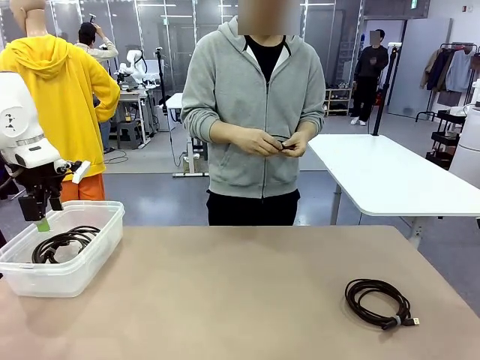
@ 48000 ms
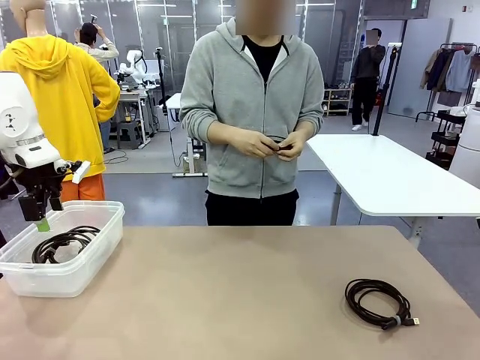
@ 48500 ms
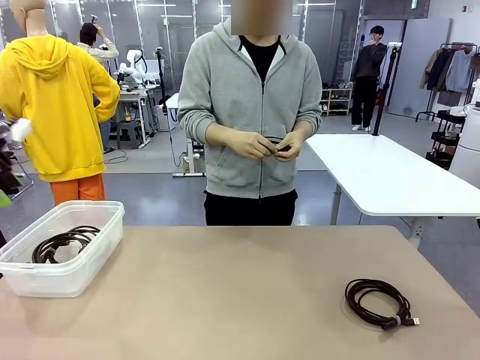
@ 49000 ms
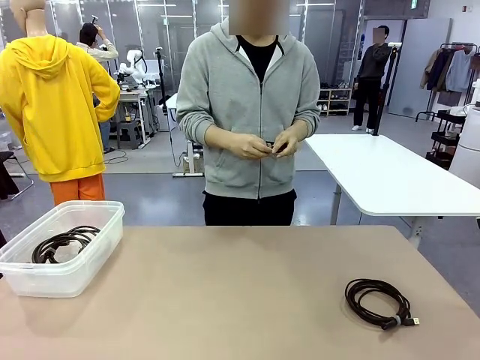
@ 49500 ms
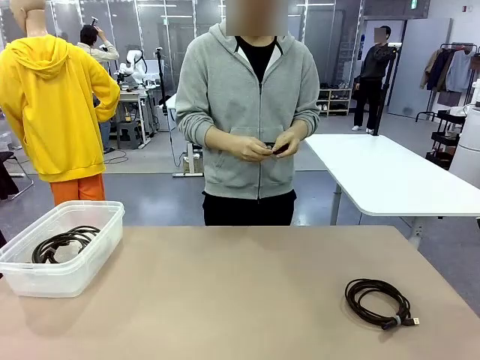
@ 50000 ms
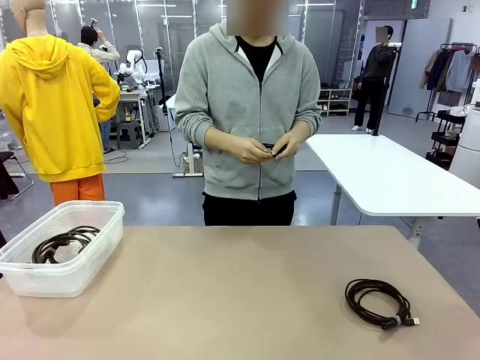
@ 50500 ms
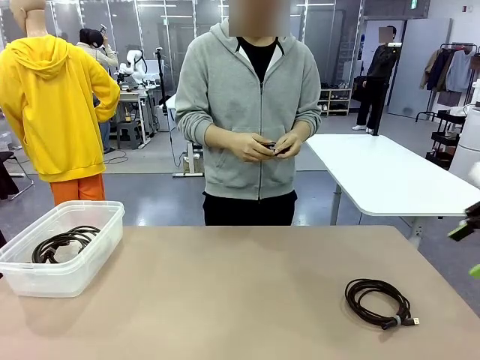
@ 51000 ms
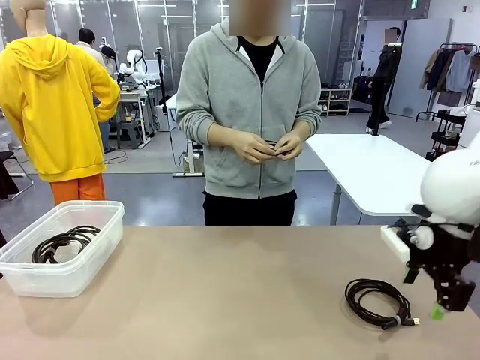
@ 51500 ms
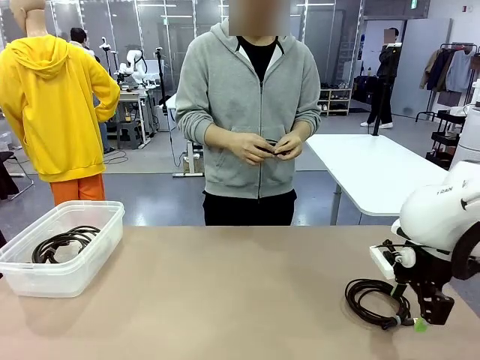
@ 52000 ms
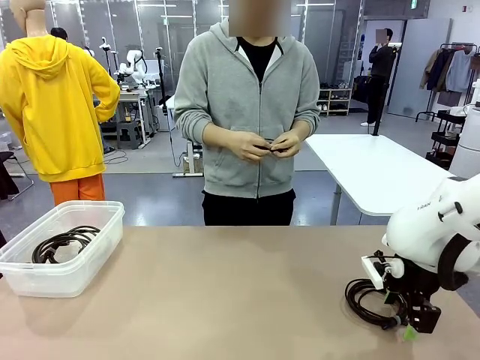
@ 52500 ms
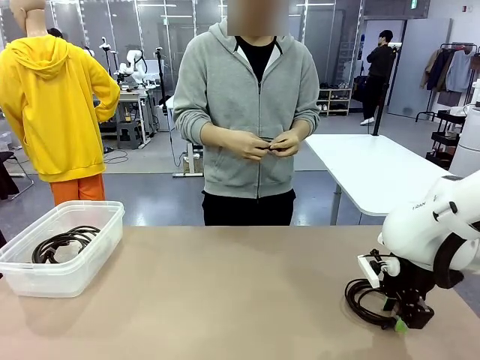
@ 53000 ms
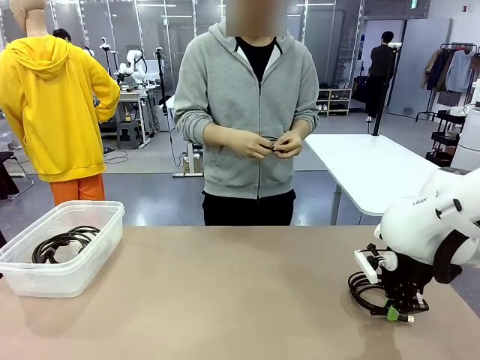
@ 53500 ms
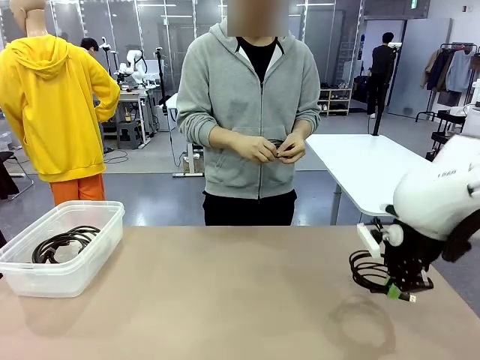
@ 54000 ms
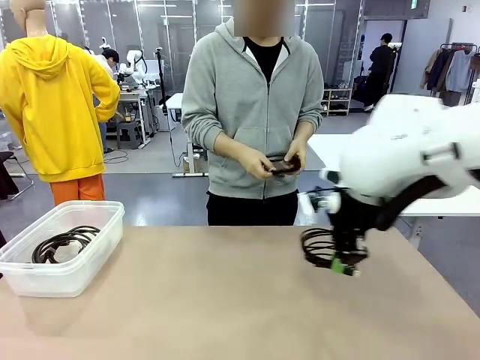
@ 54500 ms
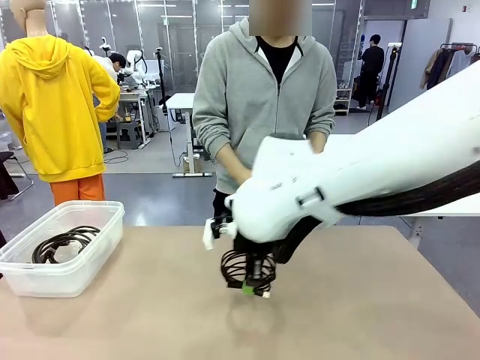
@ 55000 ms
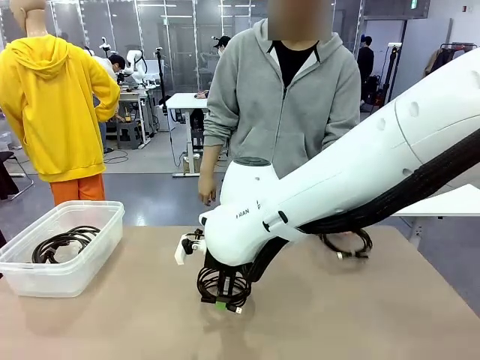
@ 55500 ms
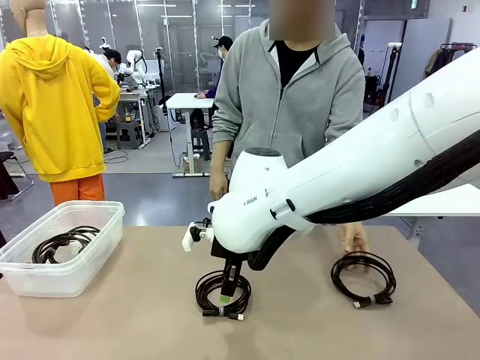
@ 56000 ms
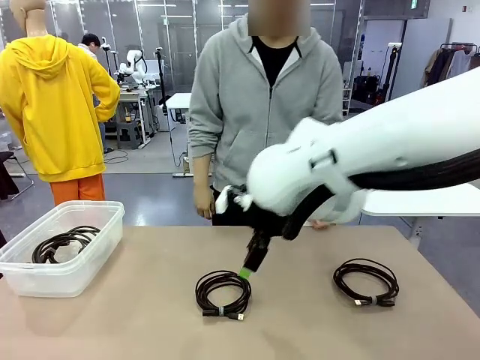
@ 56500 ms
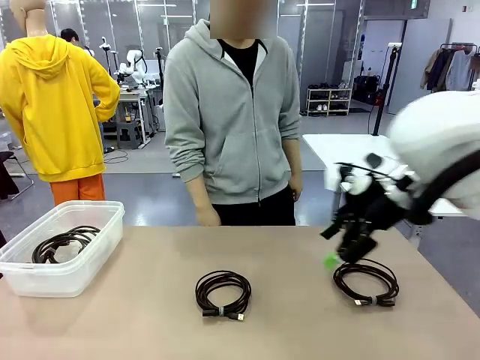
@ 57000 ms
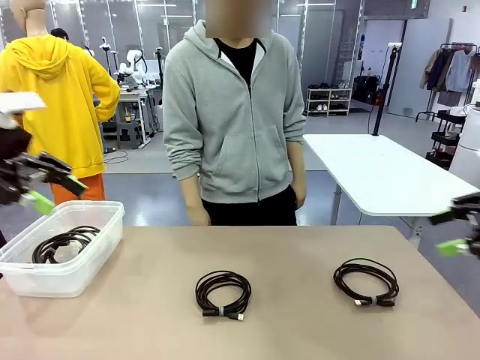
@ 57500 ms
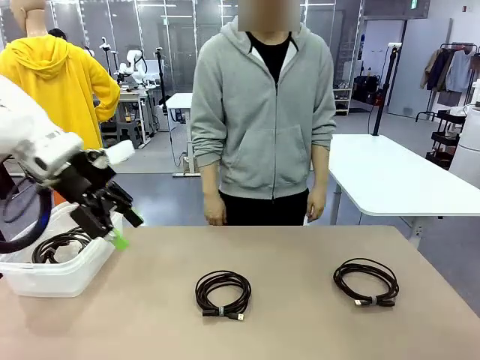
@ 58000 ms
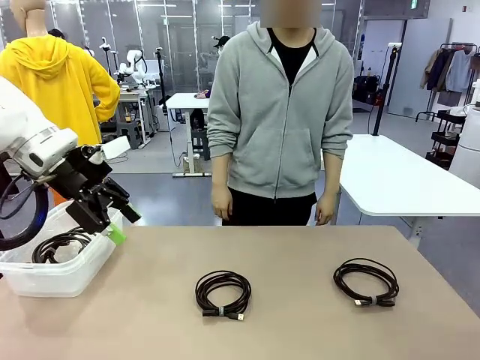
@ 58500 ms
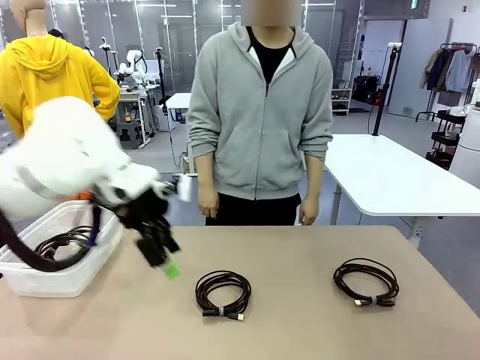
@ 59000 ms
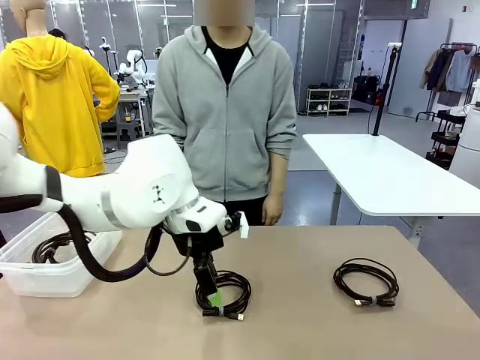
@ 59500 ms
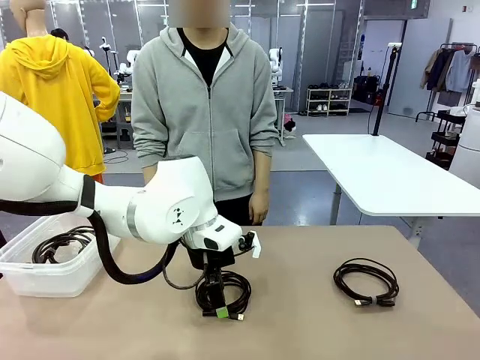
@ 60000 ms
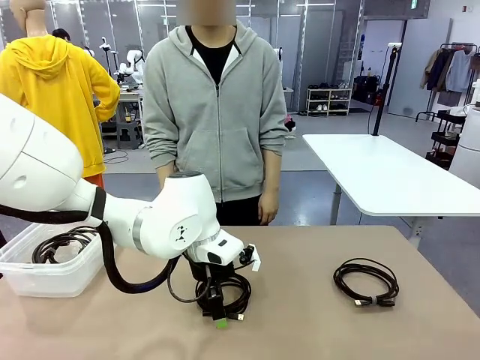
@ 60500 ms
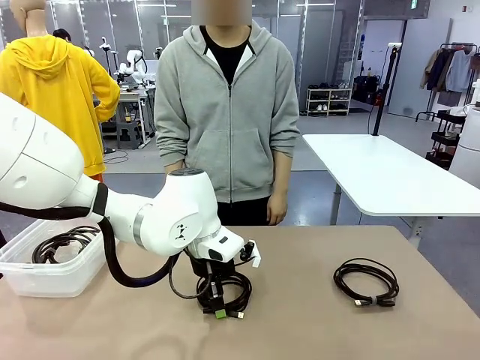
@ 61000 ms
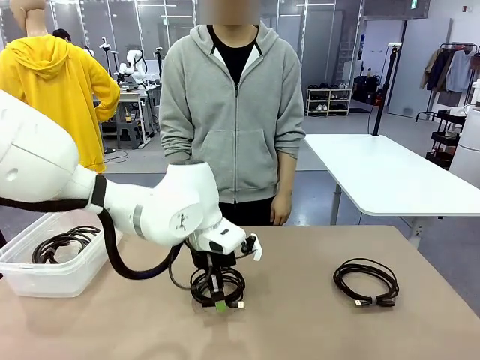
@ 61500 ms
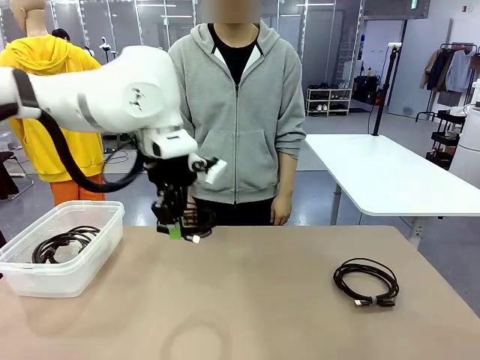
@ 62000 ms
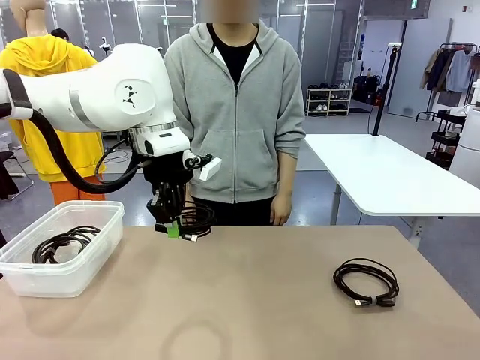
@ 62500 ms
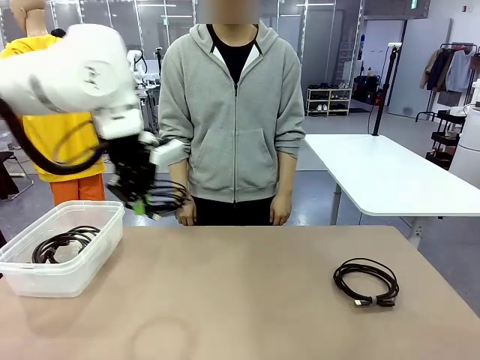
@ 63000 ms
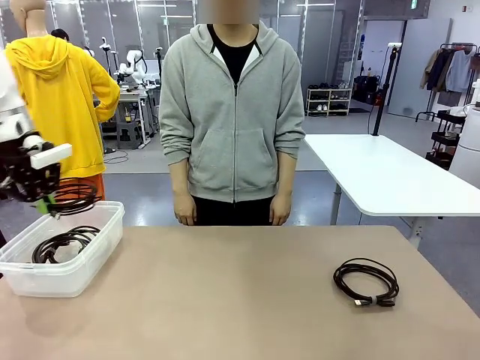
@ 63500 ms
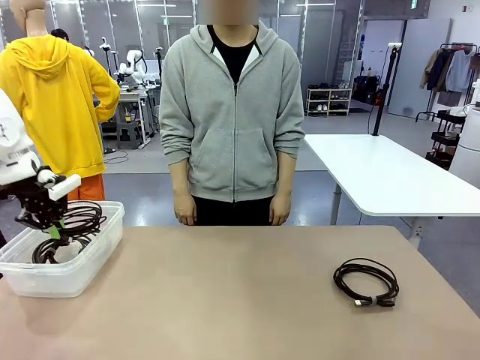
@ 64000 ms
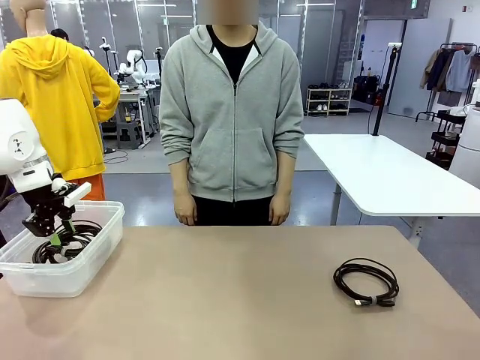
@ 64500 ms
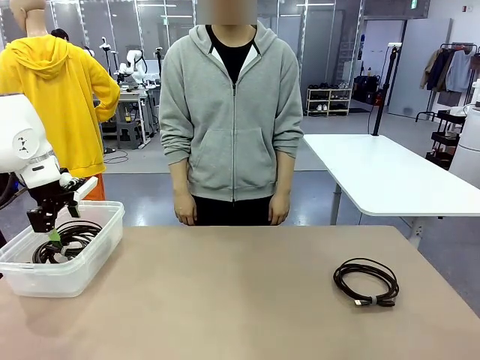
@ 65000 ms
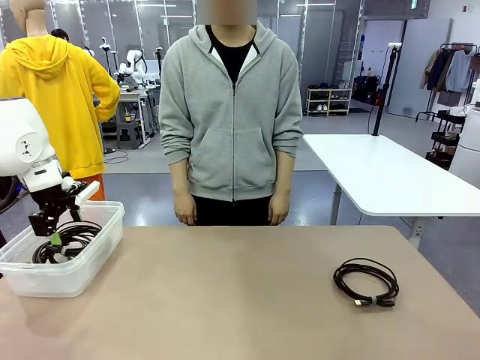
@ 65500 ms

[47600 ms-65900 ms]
Task: Organize and store the cables.
Robot: Place the USB Extension Cable into the Organizing box.

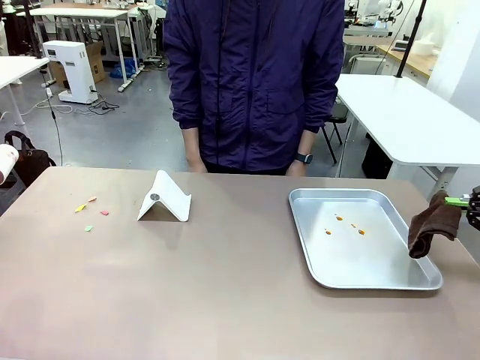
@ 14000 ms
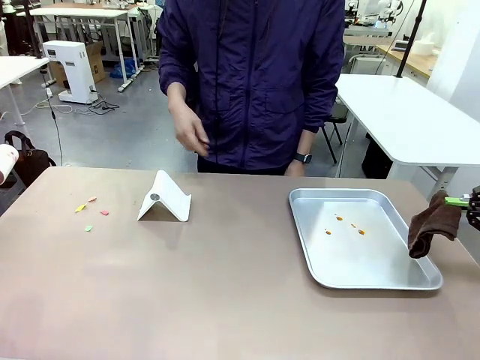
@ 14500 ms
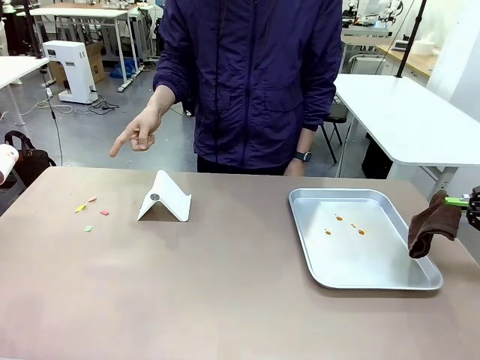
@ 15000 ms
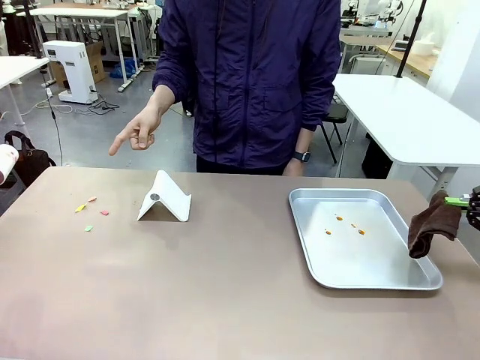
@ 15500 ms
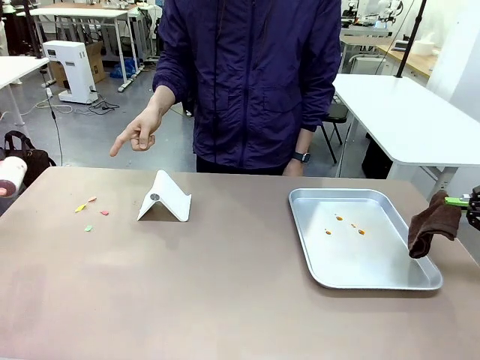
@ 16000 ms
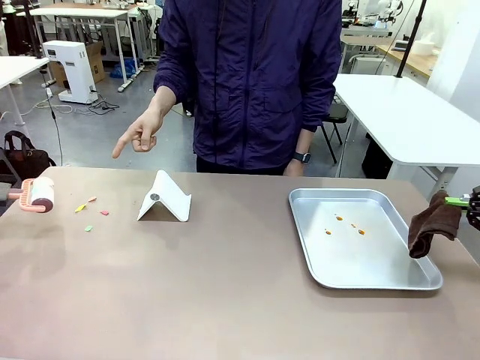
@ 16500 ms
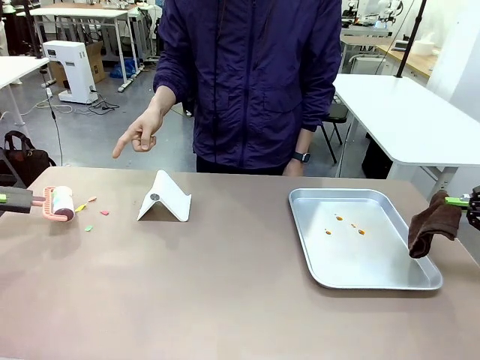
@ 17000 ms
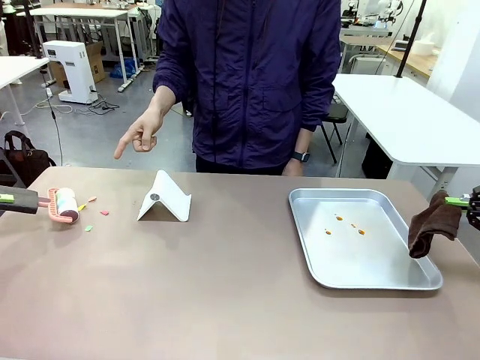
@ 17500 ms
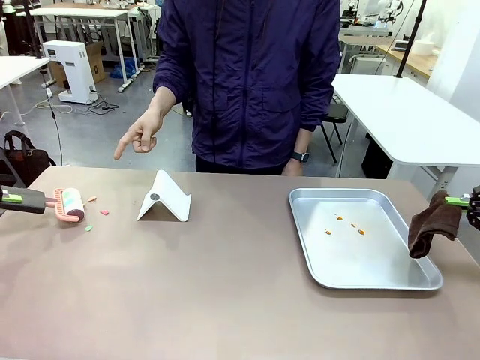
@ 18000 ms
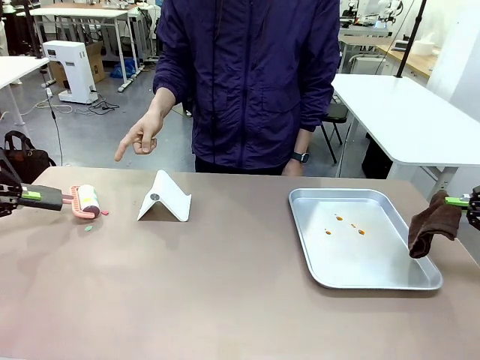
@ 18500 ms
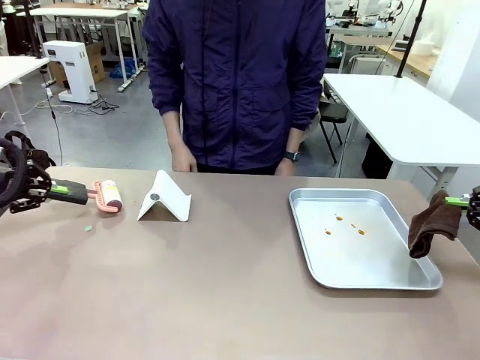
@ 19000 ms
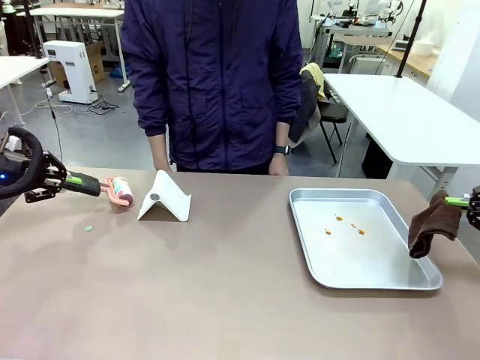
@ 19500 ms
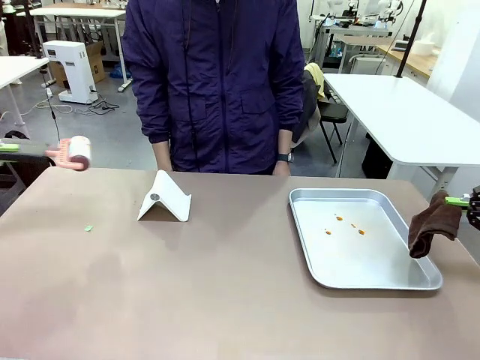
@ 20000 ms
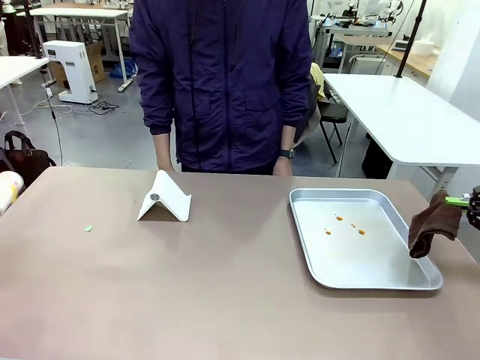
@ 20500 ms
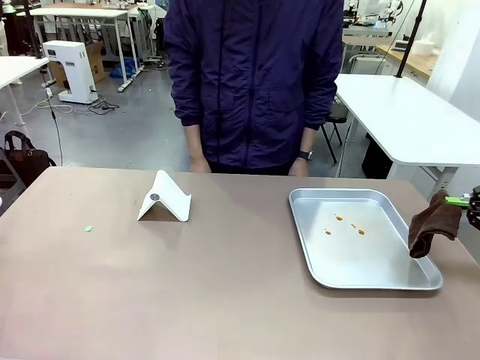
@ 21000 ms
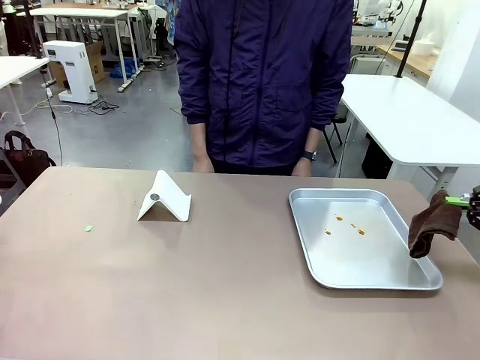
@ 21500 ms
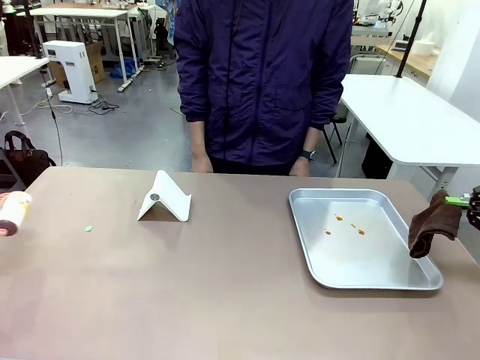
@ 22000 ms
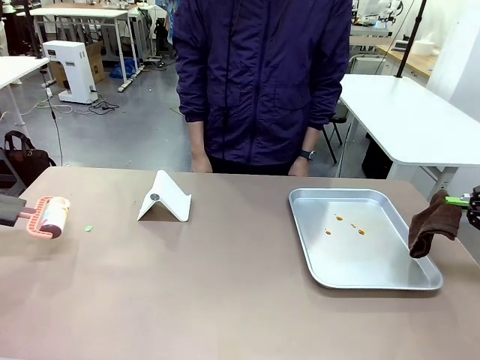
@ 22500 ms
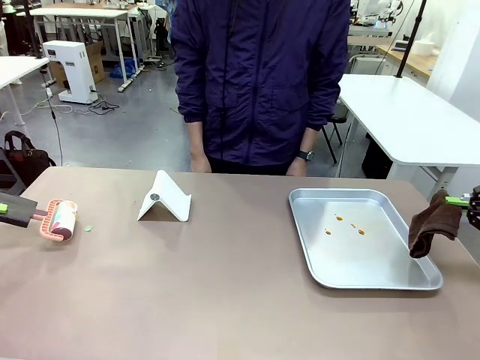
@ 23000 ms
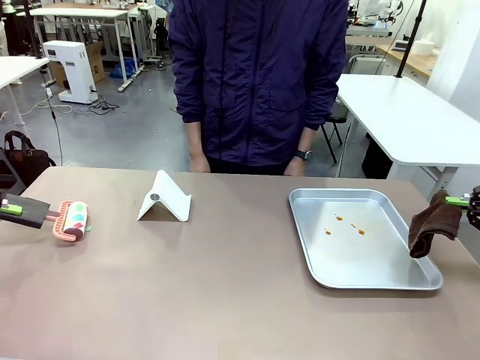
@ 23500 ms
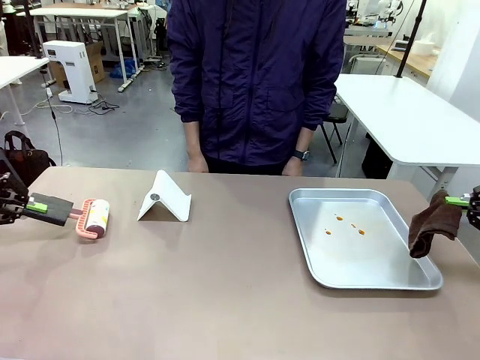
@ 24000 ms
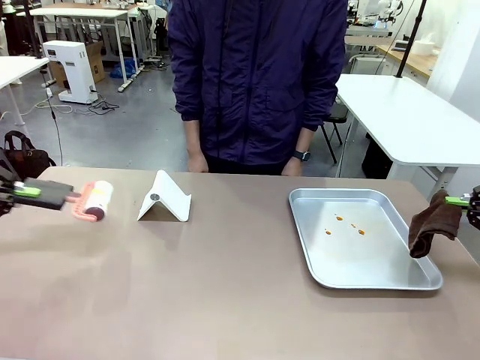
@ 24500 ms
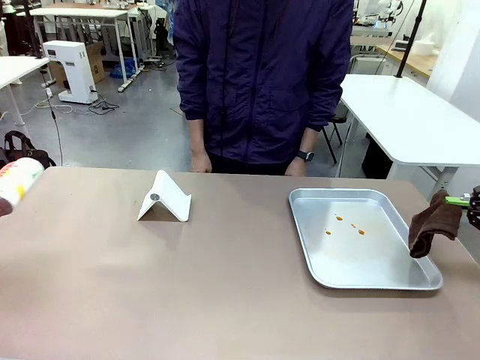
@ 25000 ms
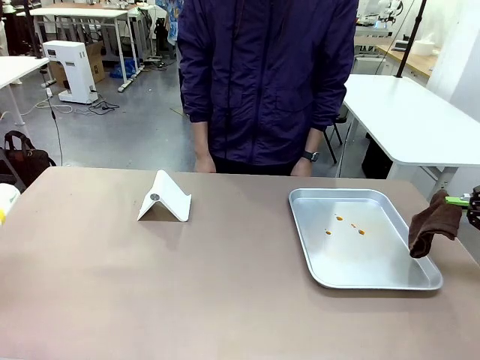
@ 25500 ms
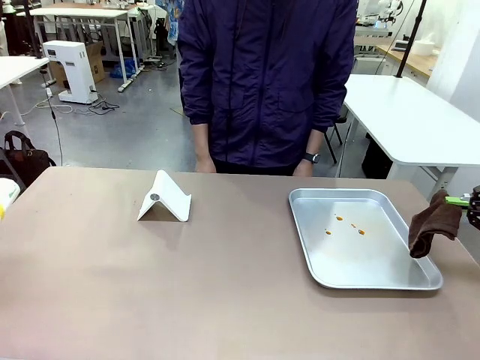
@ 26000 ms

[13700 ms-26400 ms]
Task: Clean the surface of the table.
Robot: If a person points to the right, clean the right side of the table with your right hand, and if they point to the left, clean the left side with your left hand.
